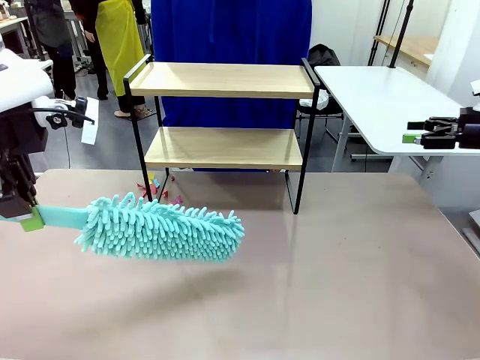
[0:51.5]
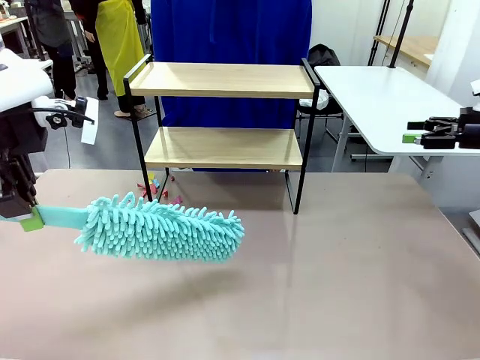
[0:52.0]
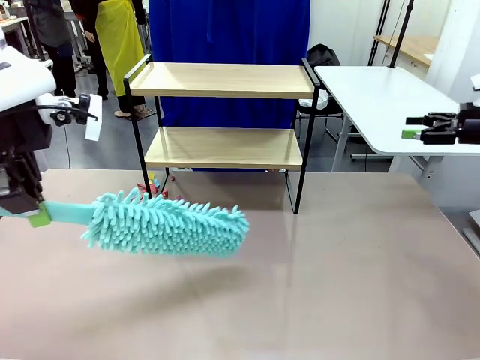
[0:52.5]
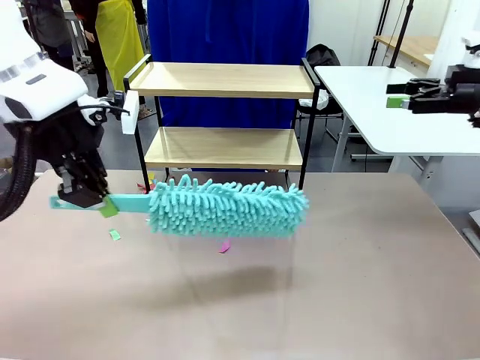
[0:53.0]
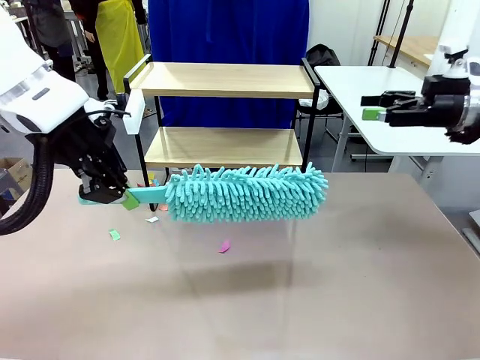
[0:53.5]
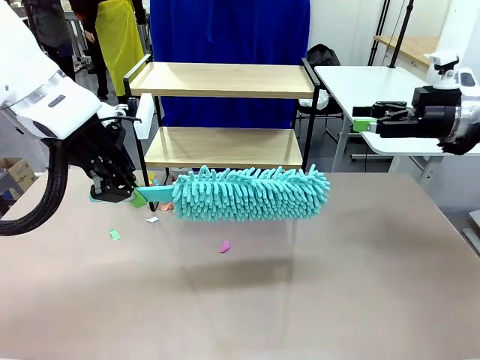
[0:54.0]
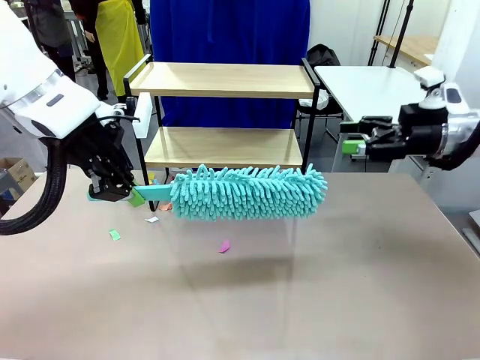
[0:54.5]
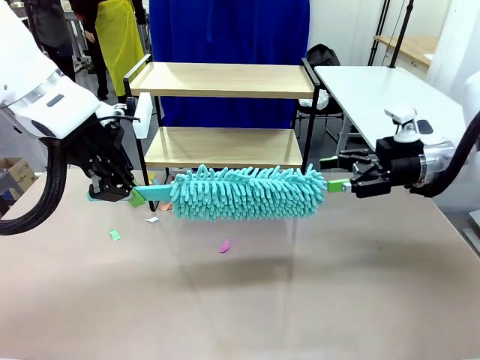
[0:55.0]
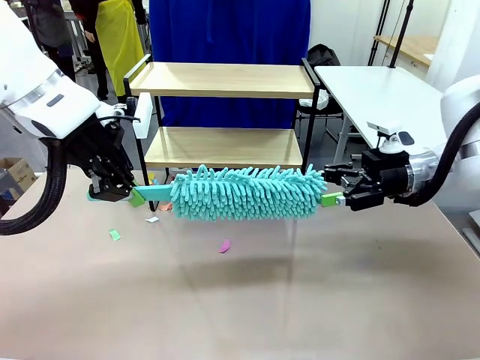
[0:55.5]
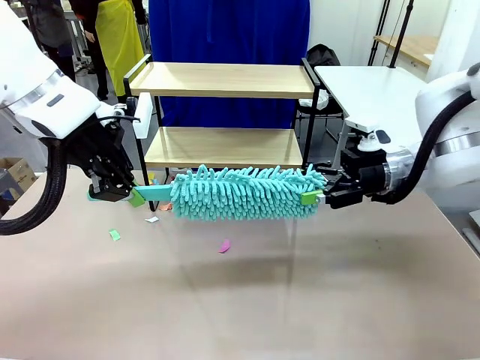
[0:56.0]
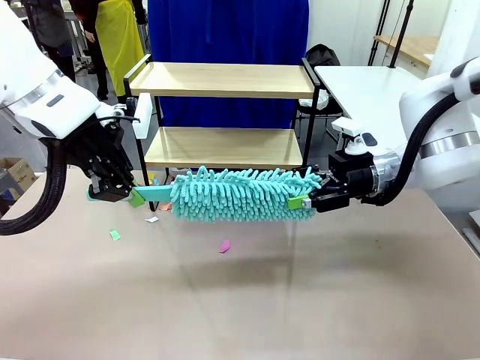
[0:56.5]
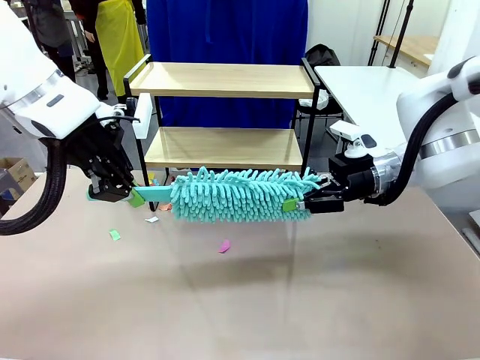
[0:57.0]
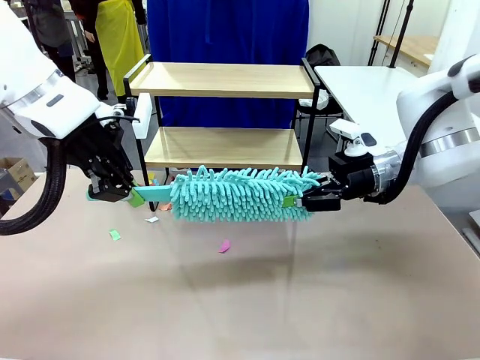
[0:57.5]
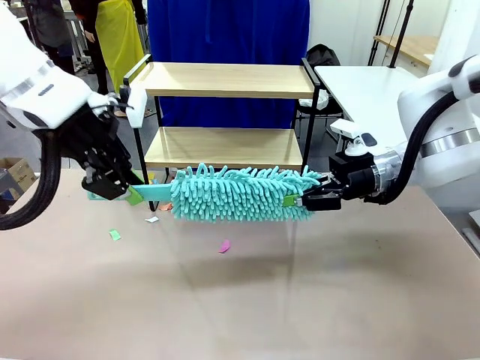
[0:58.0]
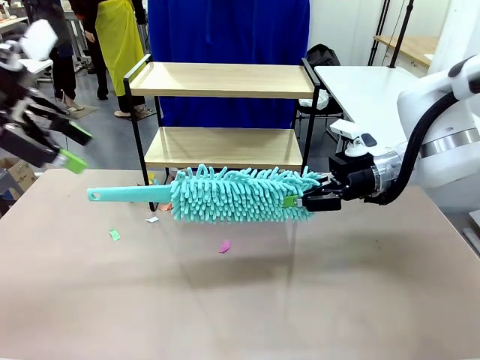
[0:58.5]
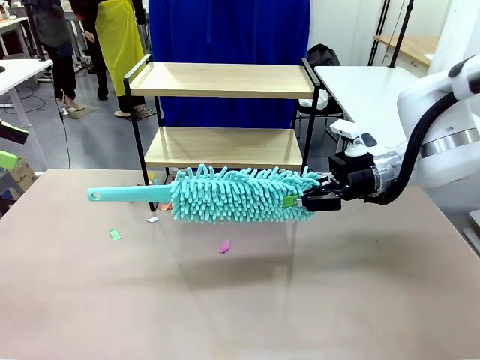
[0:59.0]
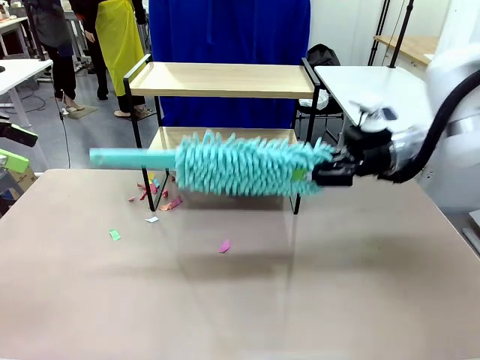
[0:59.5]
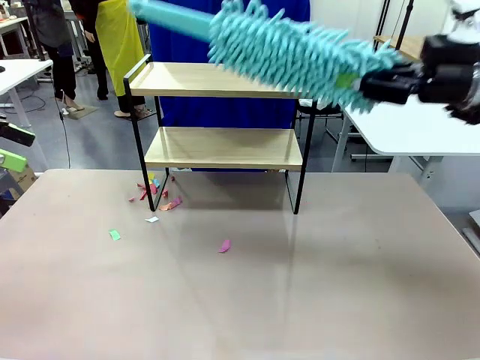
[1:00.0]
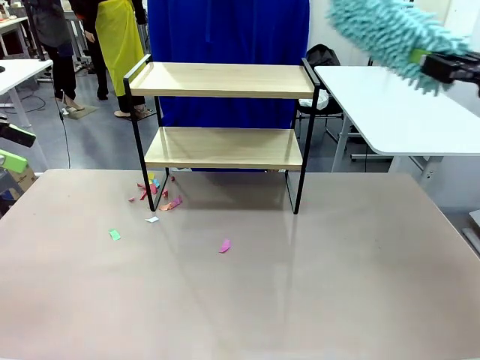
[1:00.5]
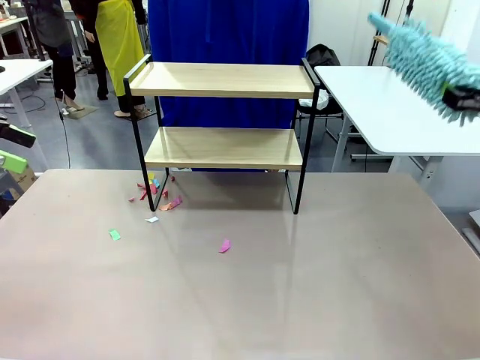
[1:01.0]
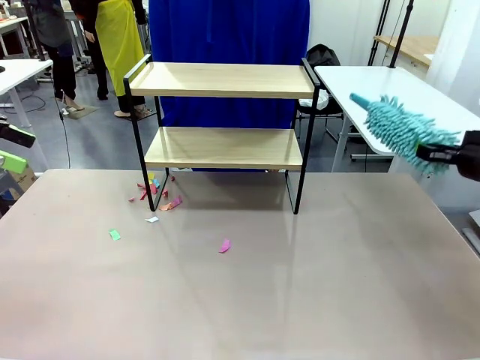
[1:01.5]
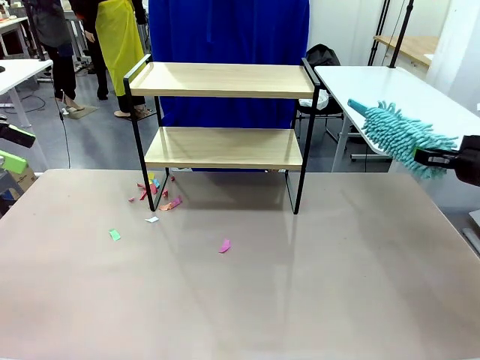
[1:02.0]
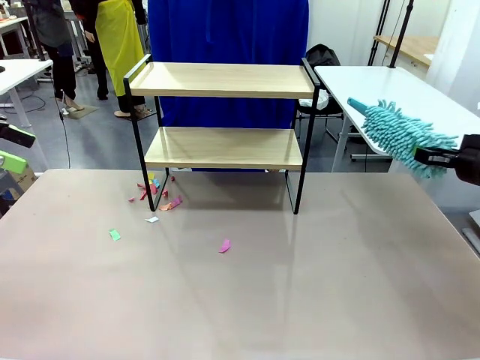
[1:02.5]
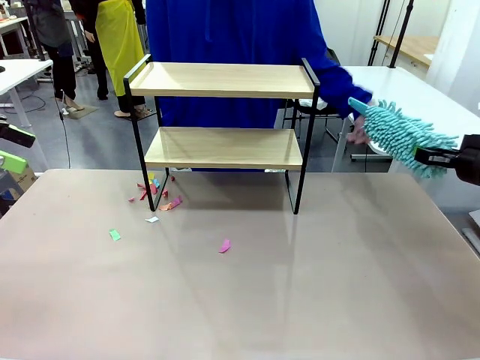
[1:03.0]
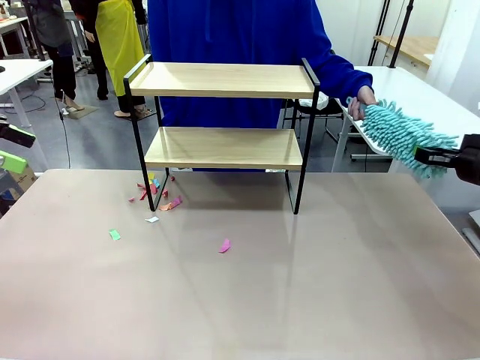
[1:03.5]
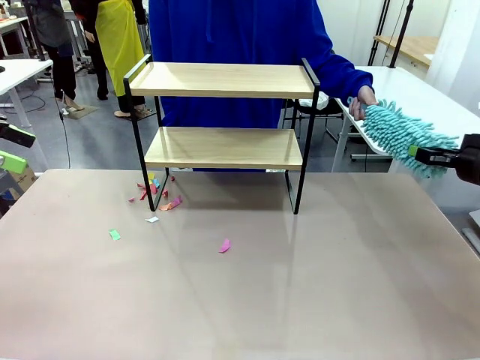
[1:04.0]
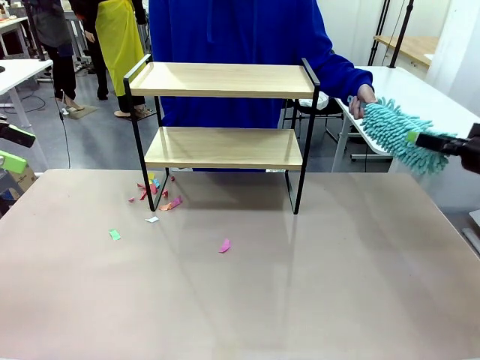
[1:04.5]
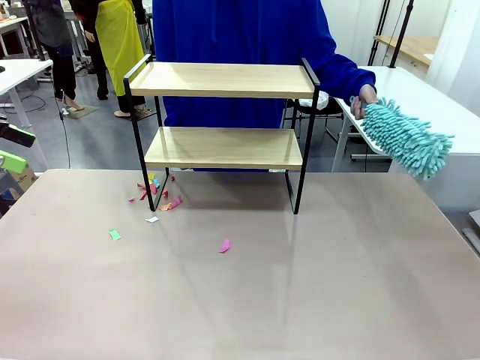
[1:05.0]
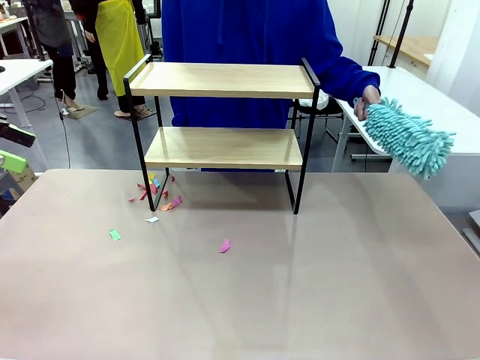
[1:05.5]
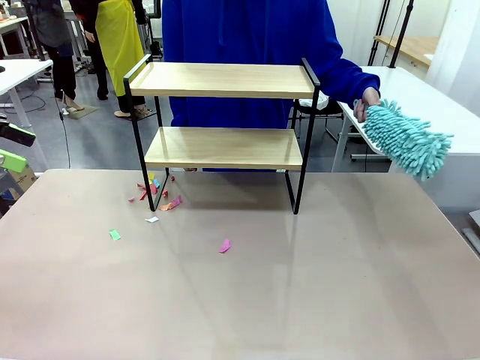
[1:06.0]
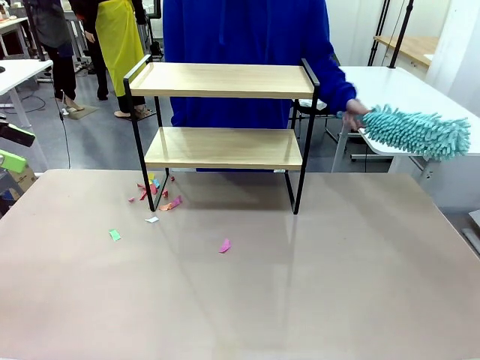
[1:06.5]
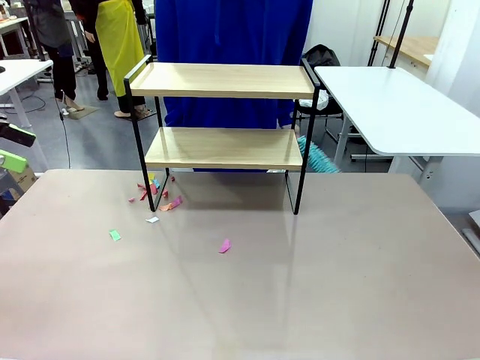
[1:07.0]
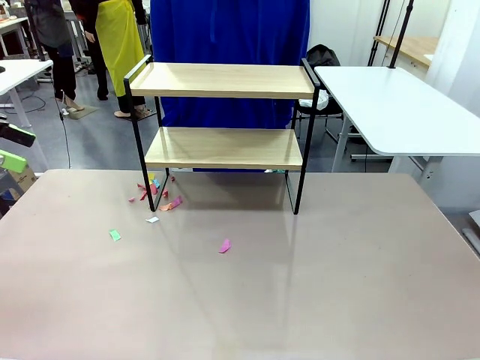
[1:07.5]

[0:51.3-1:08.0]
Task: Clean the shelf.
Robot: Hand the Duster back to the human.
Person: Receive the Duster from the robot.

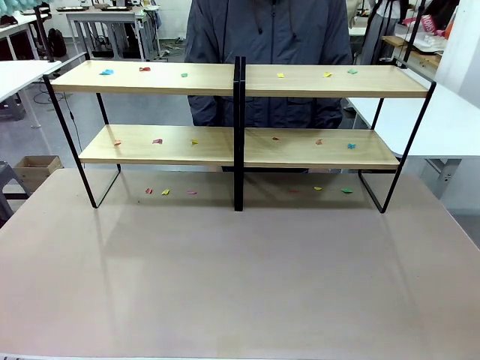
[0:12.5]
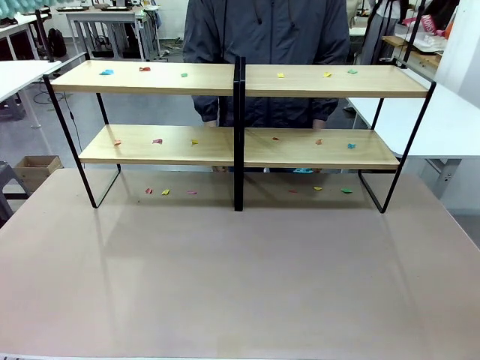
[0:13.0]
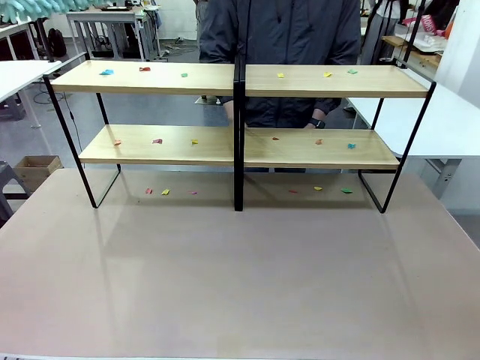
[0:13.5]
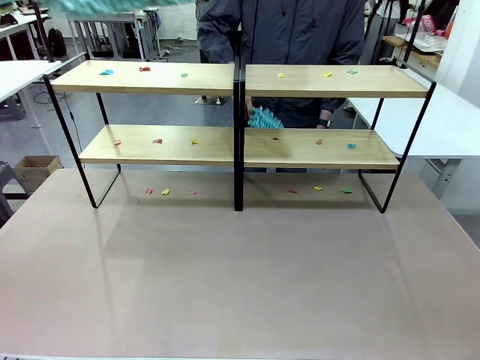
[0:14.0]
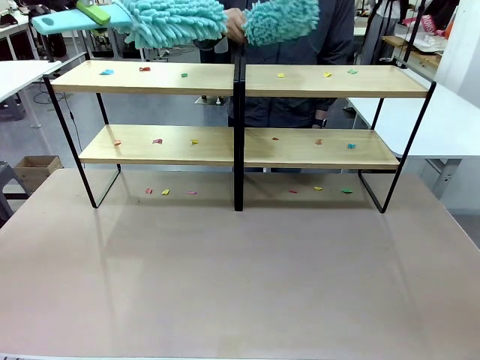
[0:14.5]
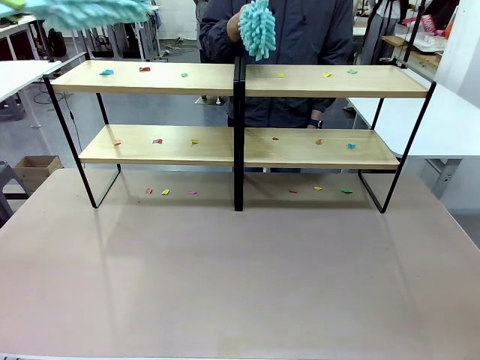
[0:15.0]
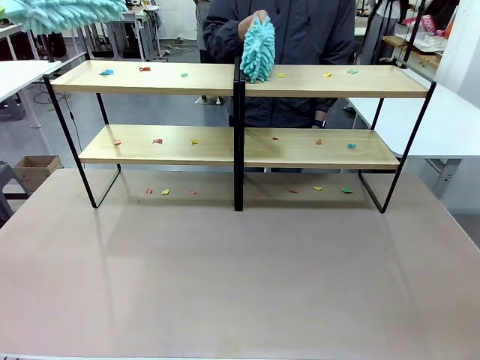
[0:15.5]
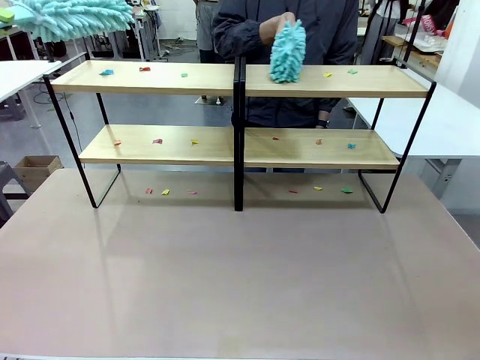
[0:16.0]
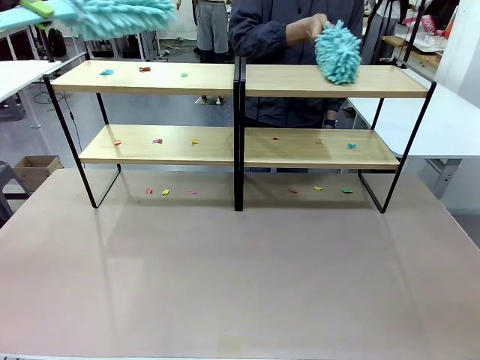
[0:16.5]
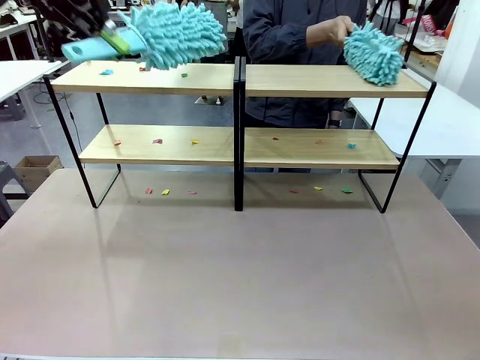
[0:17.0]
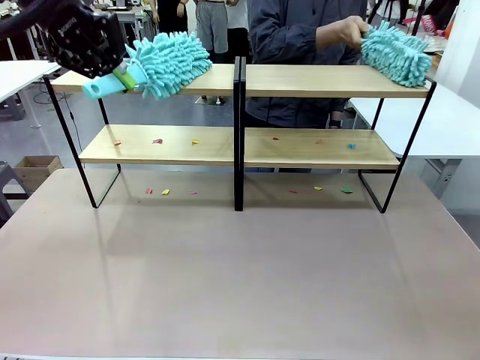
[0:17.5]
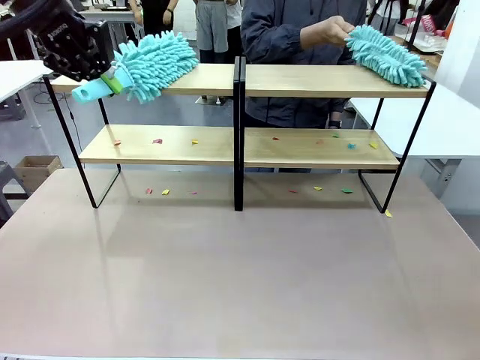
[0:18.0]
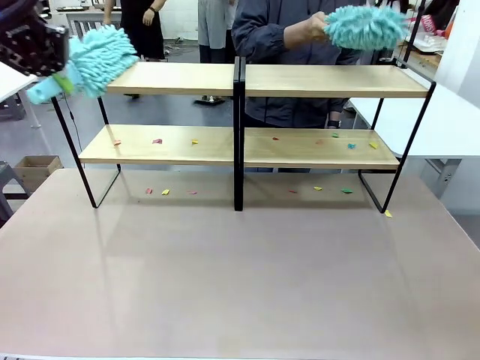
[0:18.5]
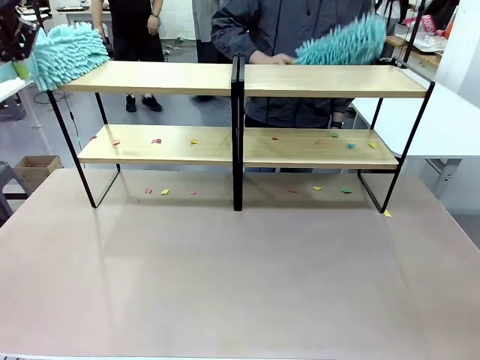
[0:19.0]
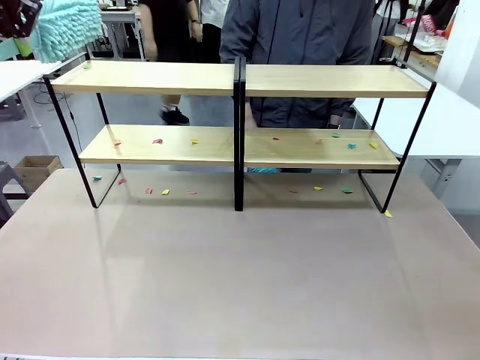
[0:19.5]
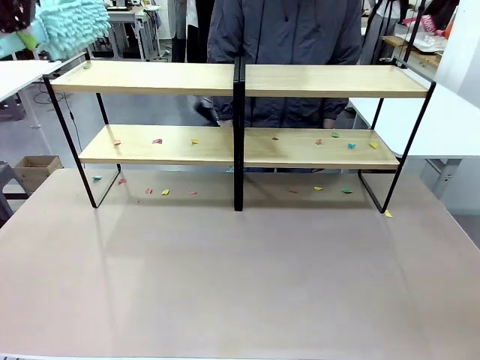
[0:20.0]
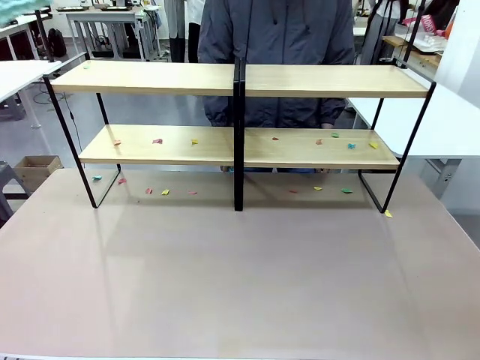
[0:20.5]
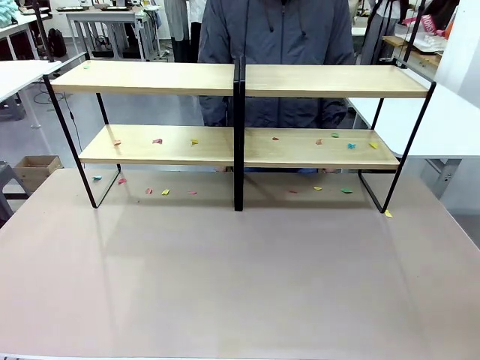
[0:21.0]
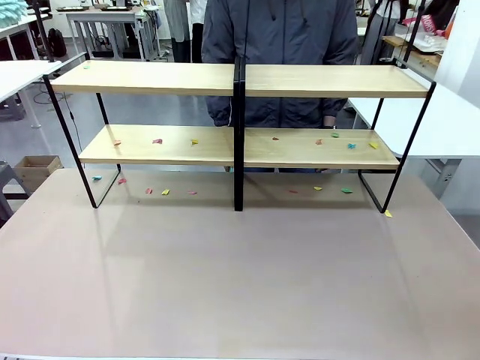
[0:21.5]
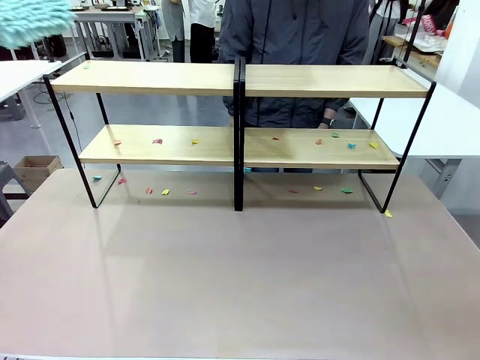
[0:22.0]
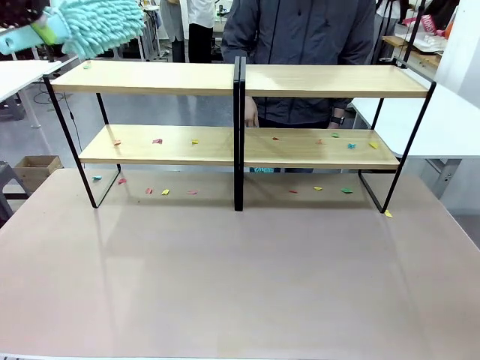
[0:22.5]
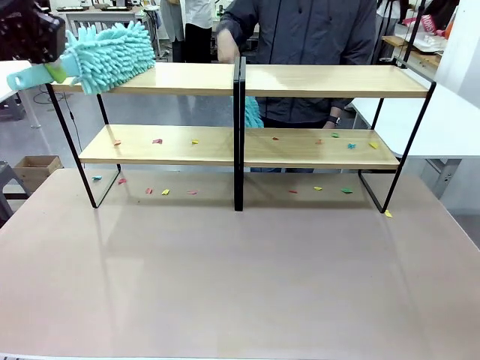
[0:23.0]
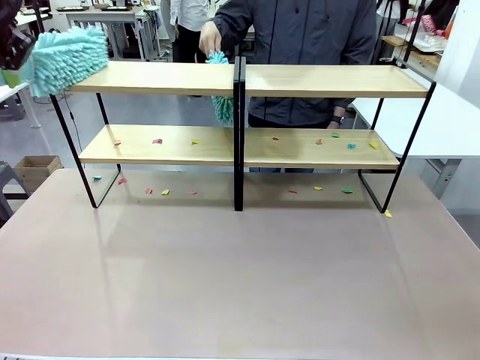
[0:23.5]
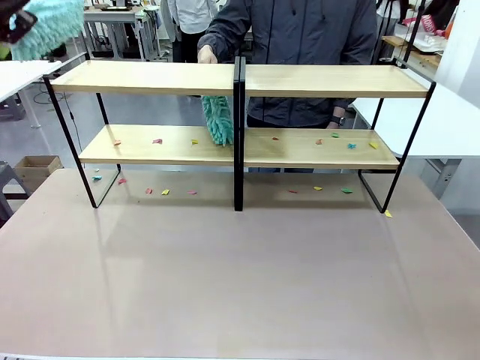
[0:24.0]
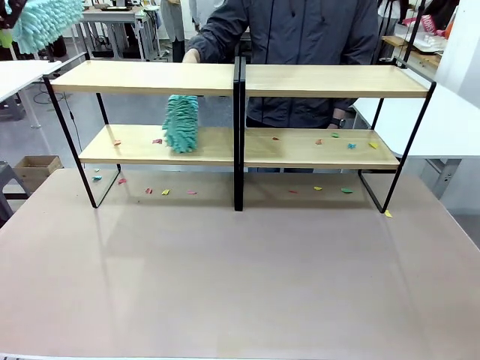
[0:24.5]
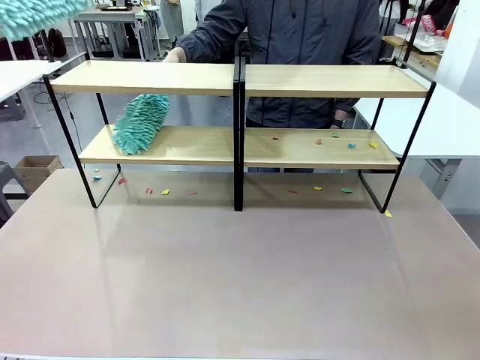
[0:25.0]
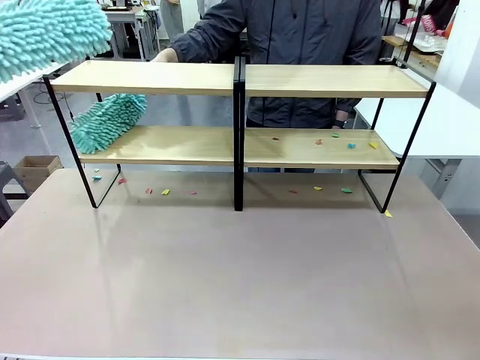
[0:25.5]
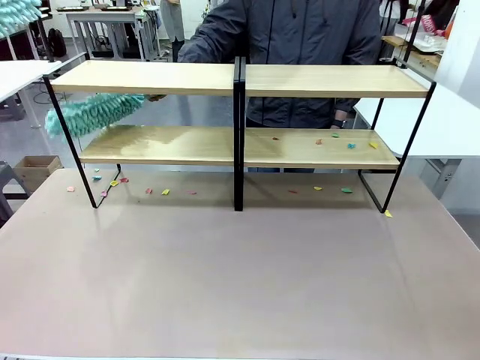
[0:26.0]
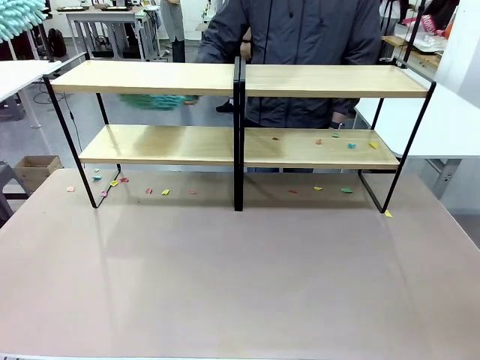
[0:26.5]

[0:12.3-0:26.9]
Task: Clean the shelves.
Robot: Clean a randomly selected level of the Shelf with the Duster.
